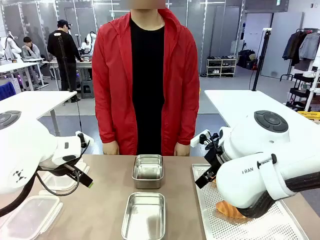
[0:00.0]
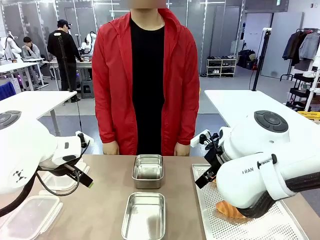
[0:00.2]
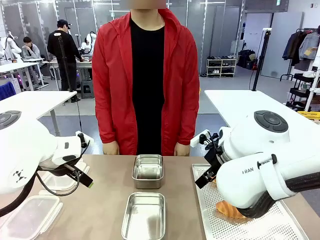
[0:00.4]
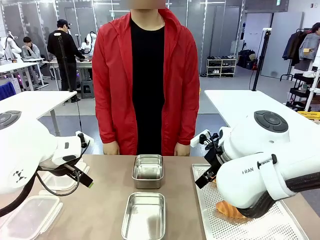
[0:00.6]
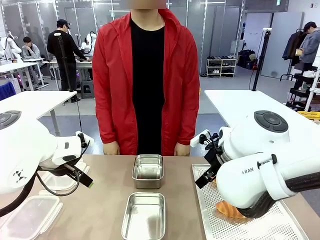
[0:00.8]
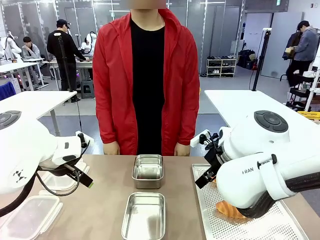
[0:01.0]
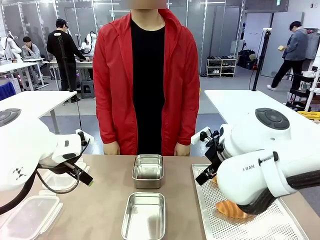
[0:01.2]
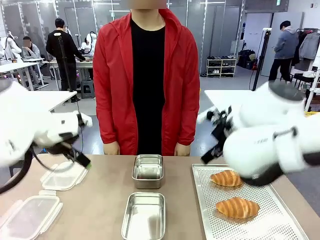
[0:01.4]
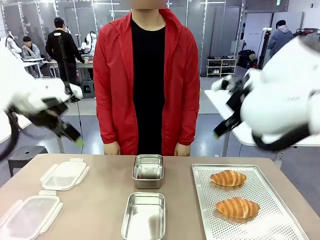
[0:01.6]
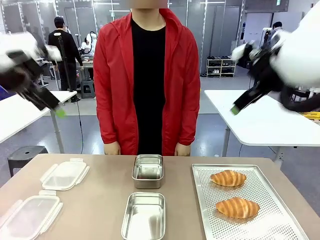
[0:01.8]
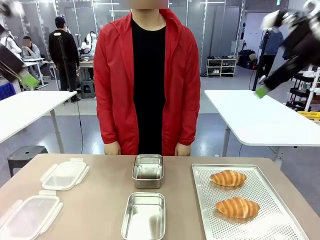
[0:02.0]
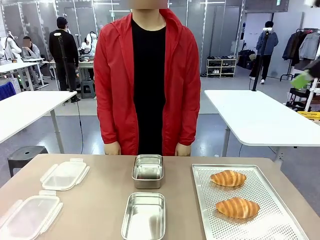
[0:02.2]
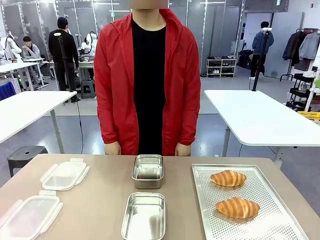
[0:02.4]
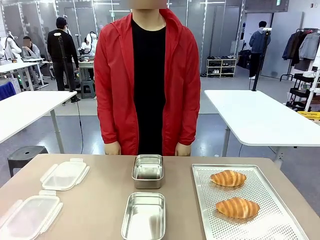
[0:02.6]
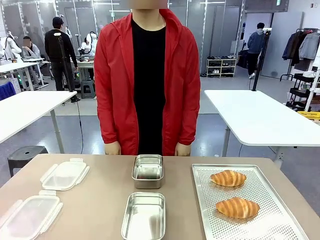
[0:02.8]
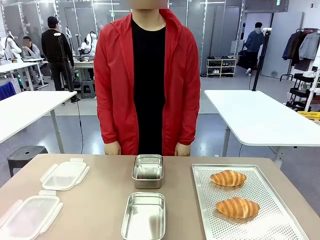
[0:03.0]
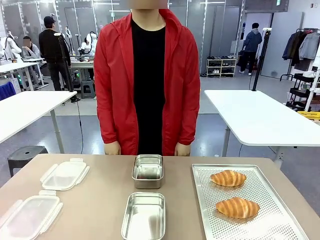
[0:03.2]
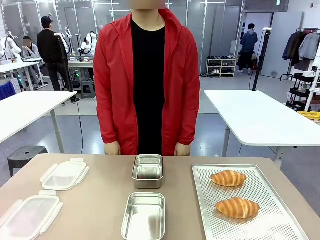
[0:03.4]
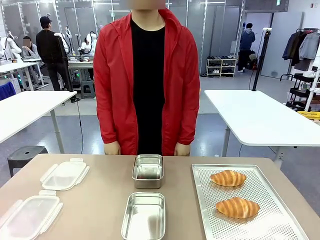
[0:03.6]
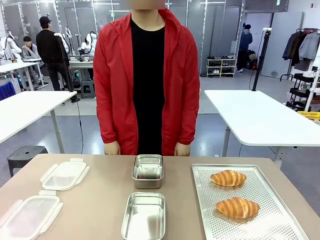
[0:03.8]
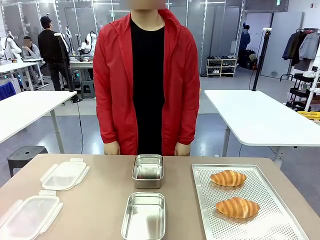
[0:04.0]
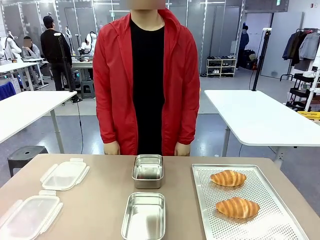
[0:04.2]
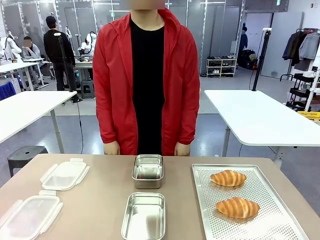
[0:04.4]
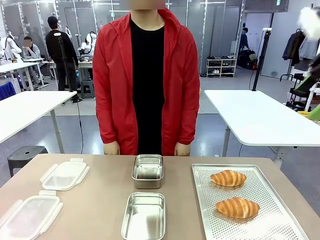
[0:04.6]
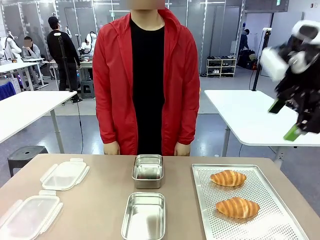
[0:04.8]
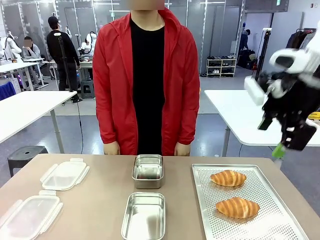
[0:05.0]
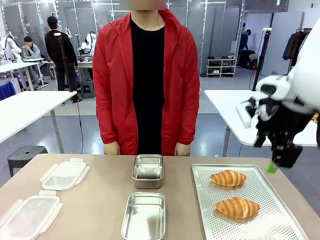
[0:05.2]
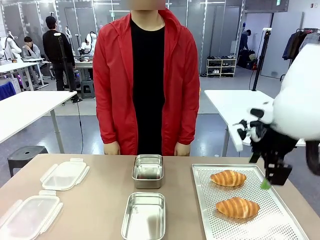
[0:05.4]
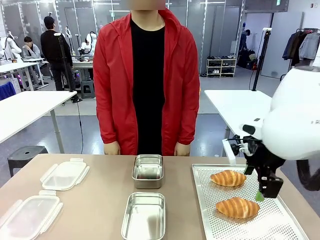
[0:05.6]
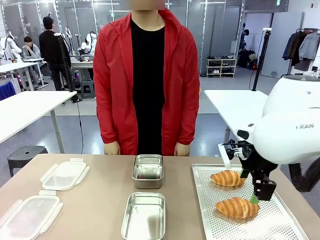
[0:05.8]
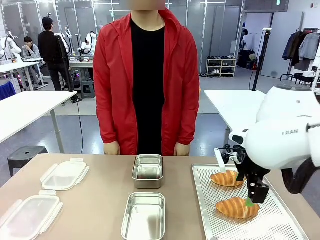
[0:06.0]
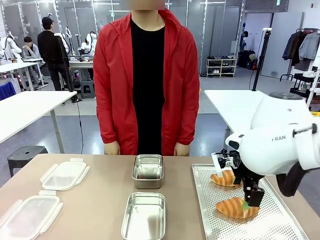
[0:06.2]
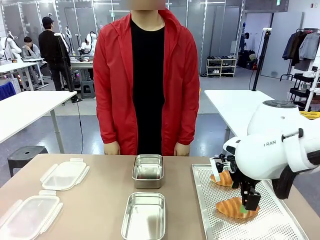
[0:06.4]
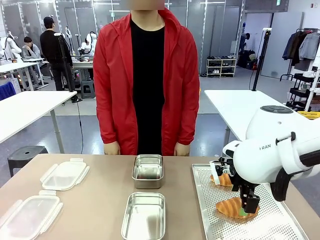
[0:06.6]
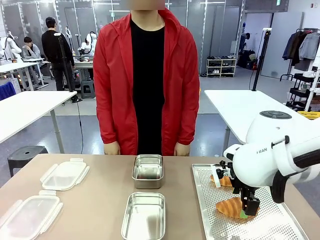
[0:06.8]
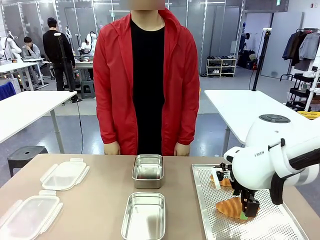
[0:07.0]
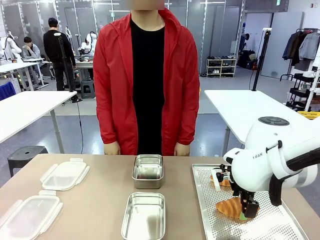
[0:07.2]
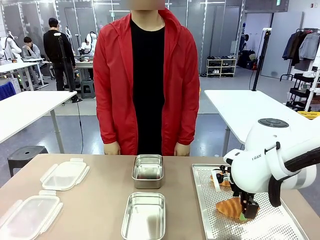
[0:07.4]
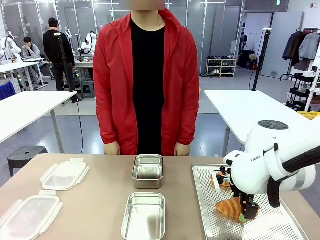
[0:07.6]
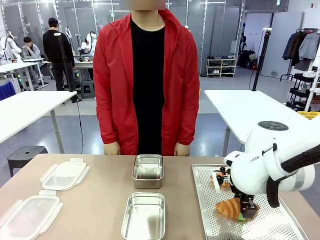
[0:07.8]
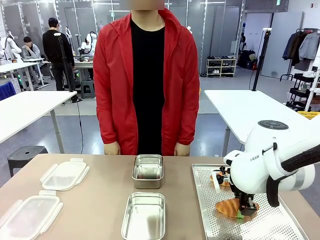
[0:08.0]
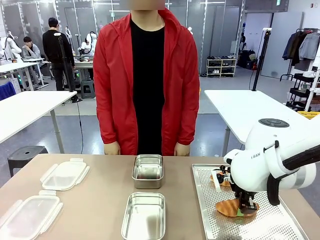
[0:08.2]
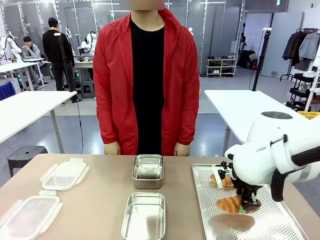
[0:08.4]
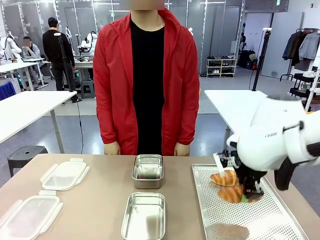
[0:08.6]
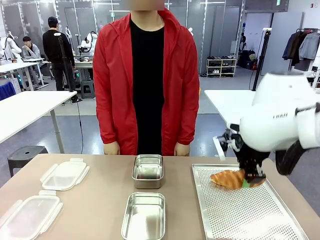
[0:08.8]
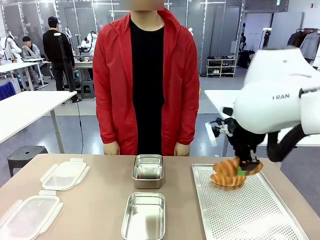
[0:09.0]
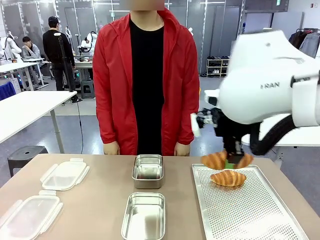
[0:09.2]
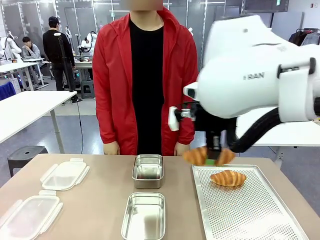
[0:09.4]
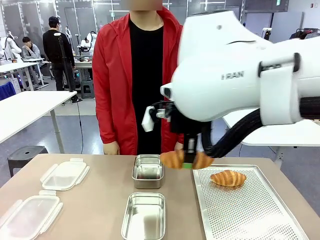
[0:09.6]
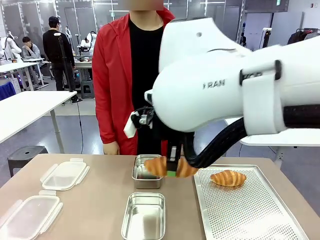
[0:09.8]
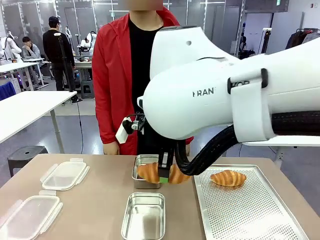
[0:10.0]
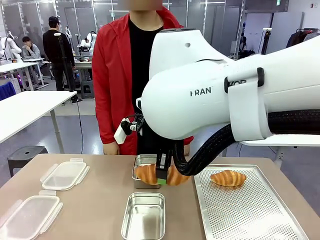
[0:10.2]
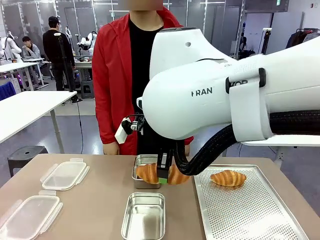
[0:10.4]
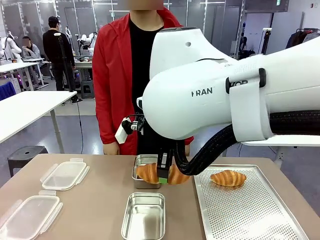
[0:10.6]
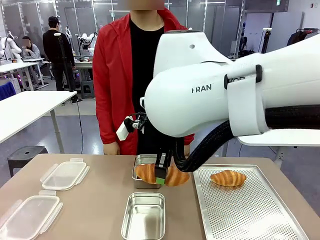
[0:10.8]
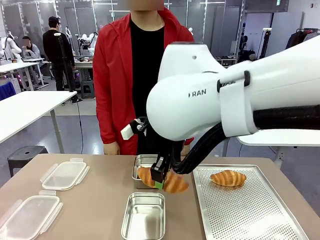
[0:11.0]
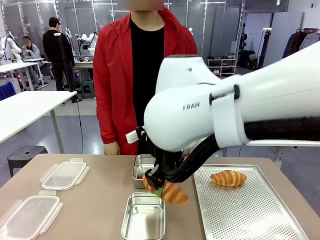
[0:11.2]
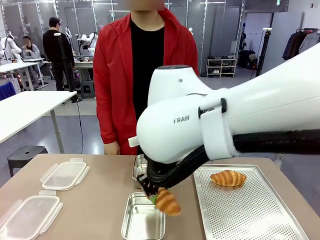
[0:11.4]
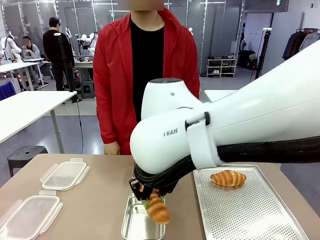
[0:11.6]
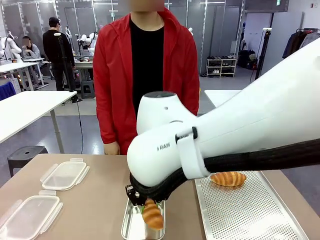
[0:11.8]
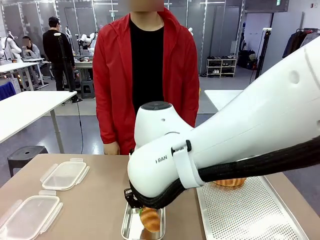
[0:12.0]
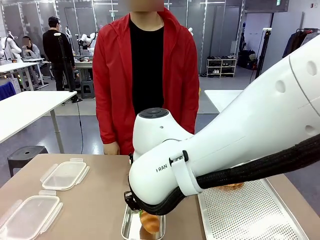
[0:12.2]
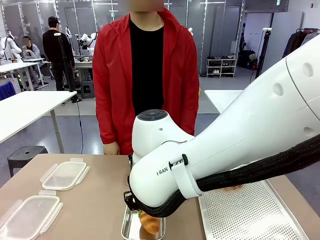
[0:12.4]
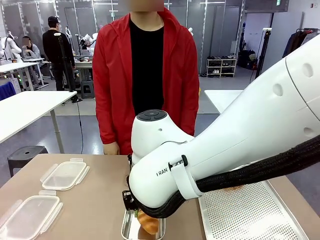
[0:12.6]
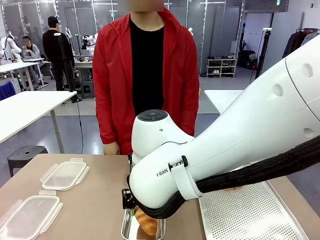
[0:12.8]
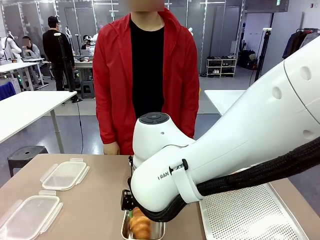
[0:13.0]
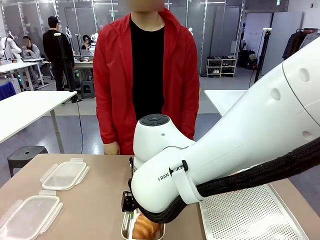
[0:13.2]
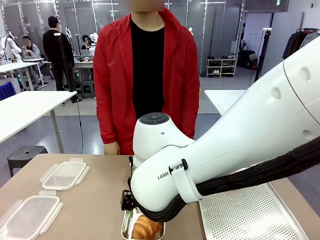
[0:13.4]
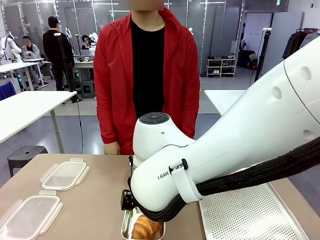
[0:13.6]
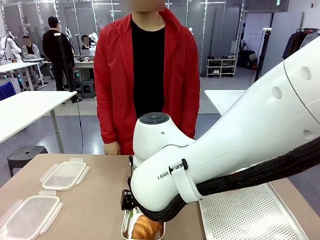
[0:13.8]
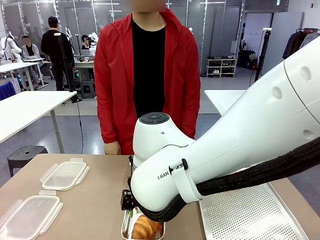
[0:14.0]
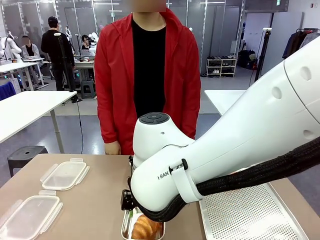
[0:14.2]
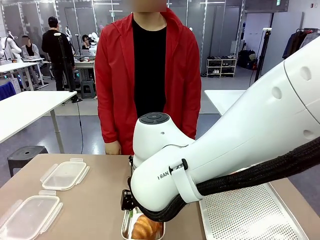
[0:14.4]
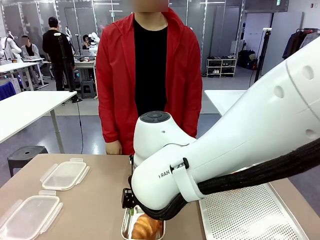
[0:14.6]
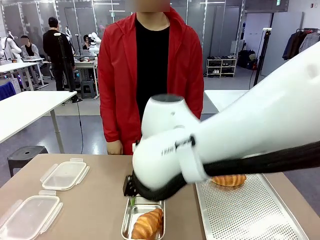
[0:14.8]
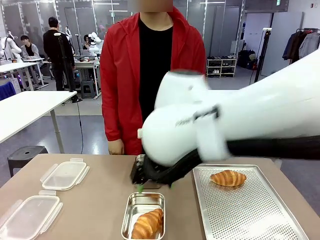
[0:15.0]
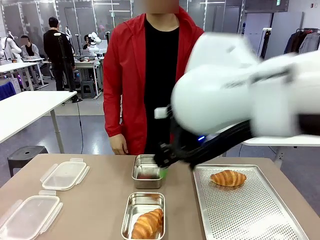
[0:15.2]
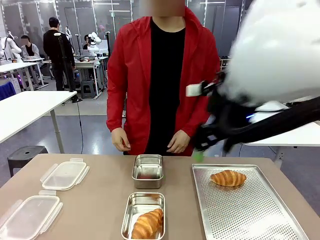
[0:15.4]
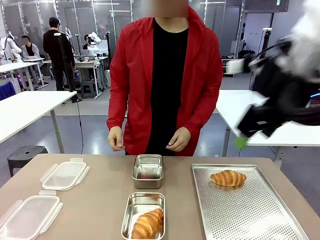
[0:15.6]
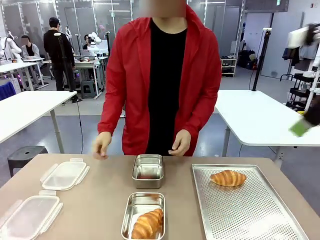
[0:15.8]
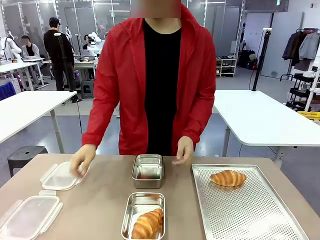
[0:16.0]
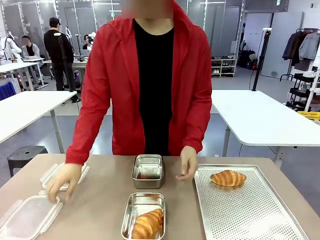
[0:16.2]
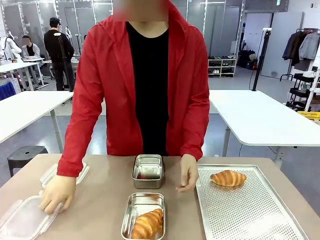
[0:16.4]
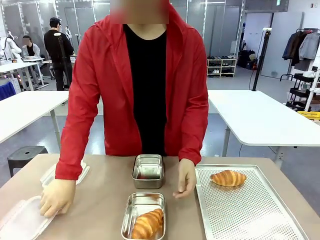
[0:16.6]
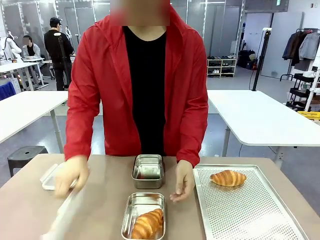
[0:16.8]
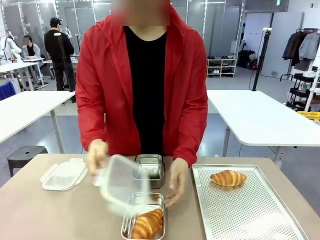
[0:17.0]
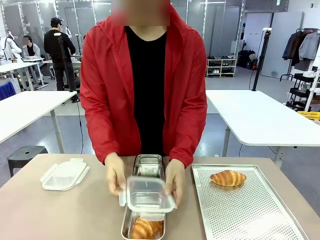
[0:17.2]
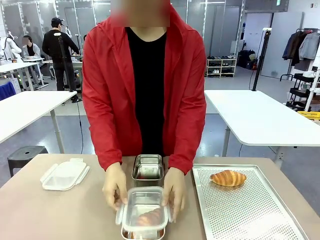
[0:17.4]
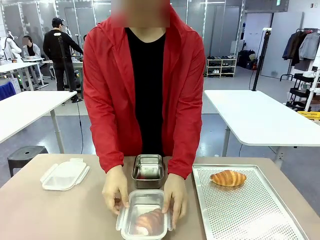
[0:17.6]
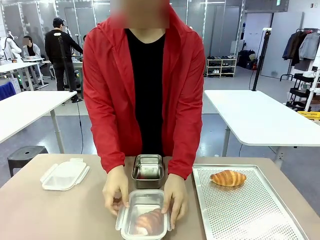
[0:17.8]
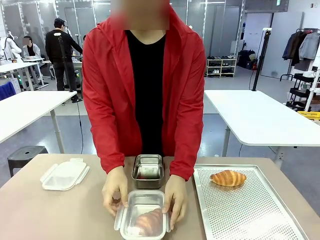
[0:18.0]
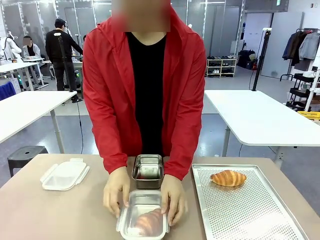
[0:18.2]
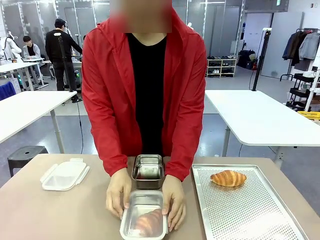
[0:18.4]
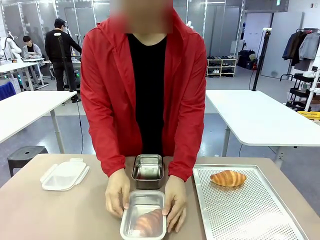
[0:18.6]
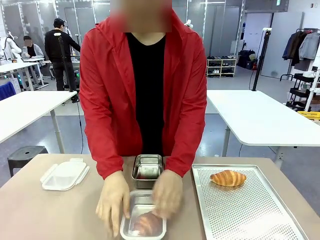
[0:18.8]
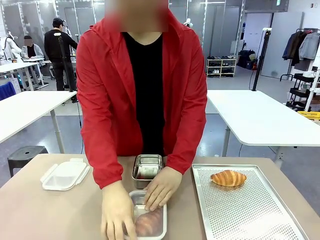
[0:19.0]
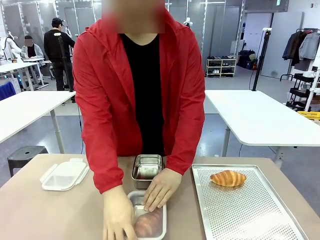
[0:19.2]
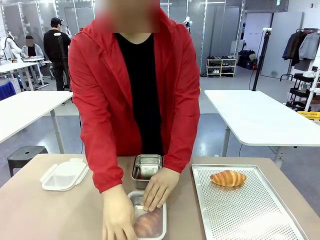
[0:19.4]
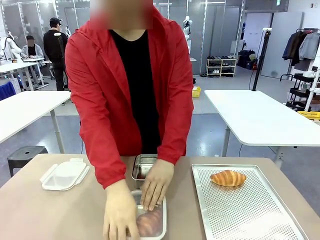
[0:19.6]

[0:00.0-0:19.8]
Task: Place the bread into the airtight container.
Robot: Pick up a Butter Roll and place it into an empty Airtight Container.
